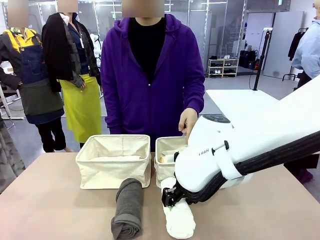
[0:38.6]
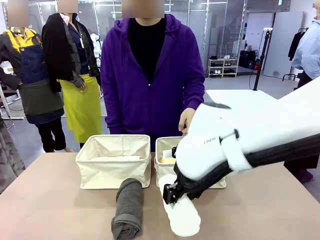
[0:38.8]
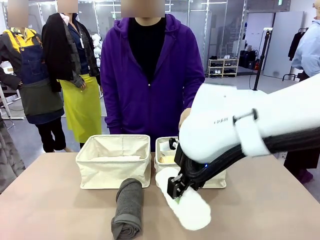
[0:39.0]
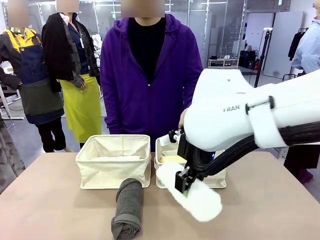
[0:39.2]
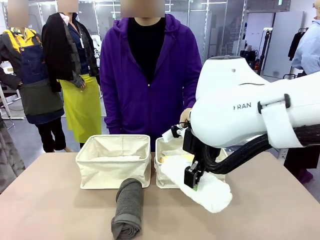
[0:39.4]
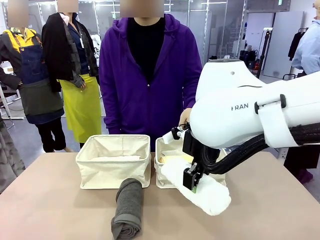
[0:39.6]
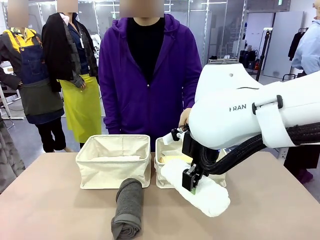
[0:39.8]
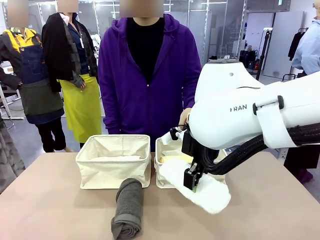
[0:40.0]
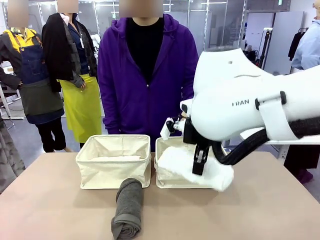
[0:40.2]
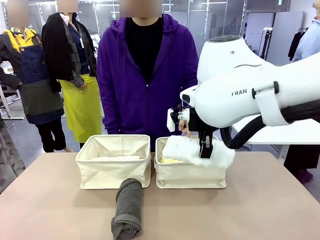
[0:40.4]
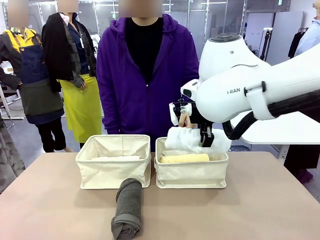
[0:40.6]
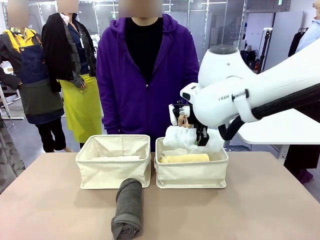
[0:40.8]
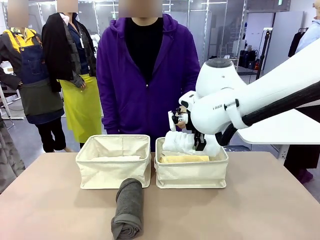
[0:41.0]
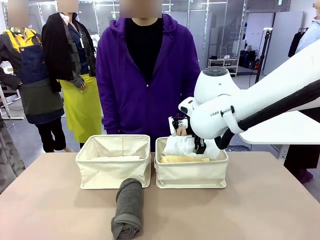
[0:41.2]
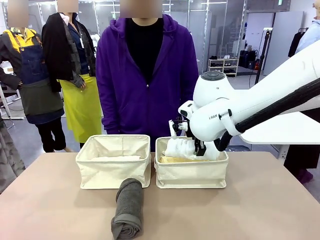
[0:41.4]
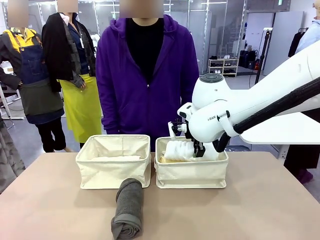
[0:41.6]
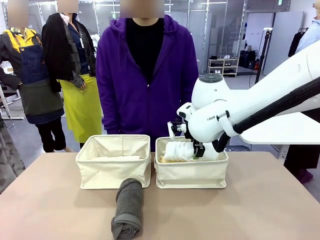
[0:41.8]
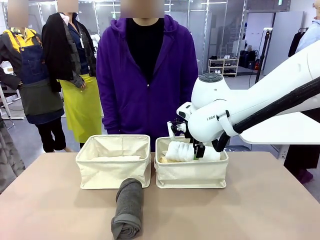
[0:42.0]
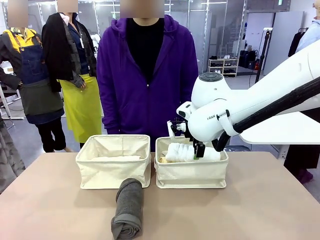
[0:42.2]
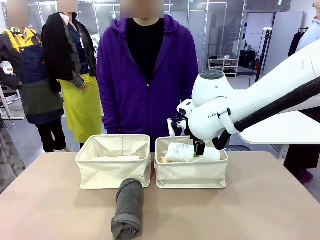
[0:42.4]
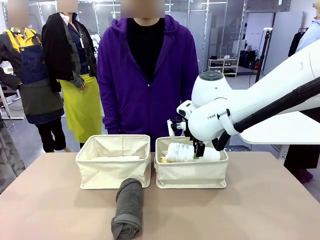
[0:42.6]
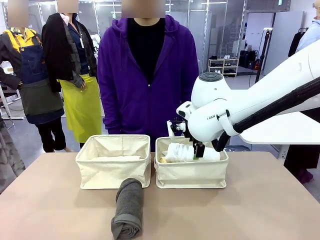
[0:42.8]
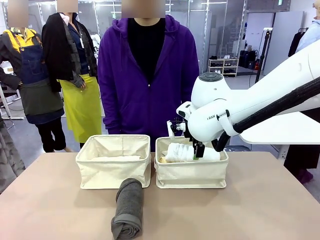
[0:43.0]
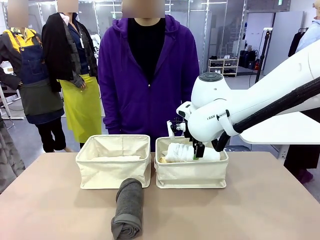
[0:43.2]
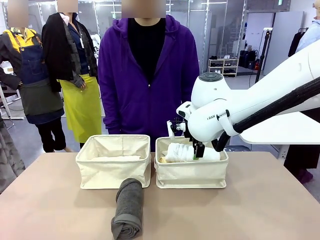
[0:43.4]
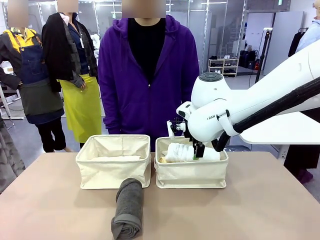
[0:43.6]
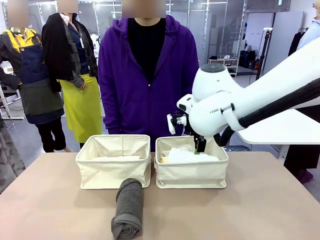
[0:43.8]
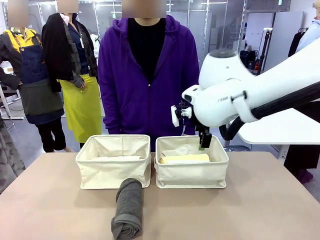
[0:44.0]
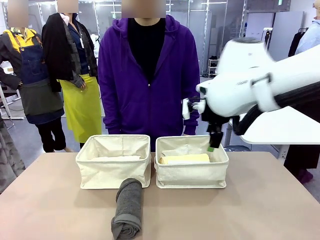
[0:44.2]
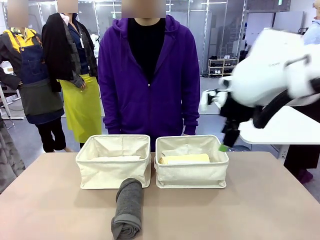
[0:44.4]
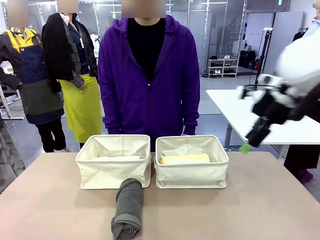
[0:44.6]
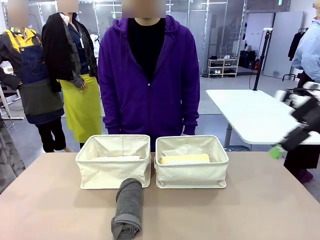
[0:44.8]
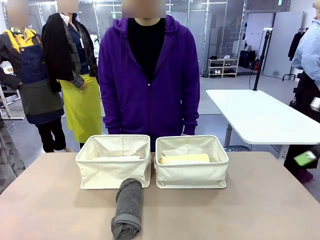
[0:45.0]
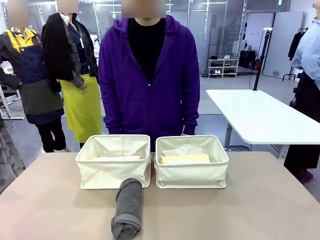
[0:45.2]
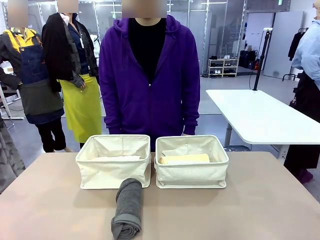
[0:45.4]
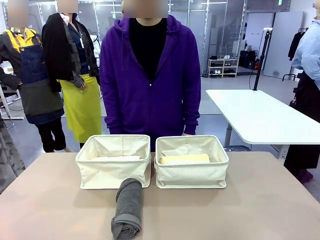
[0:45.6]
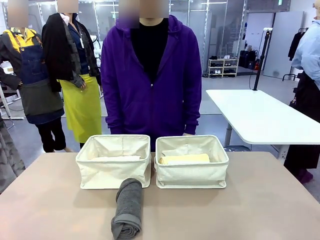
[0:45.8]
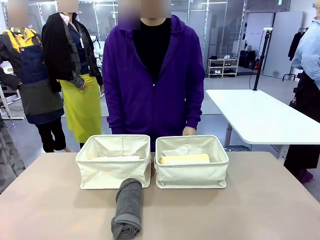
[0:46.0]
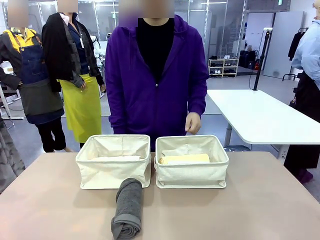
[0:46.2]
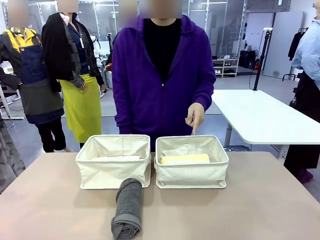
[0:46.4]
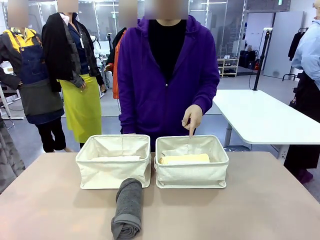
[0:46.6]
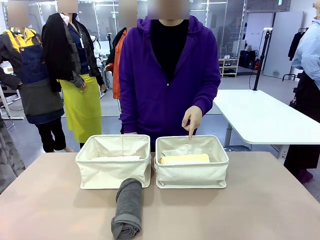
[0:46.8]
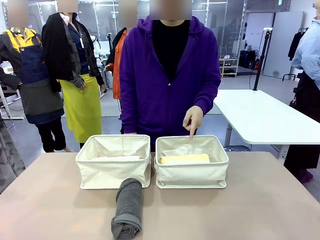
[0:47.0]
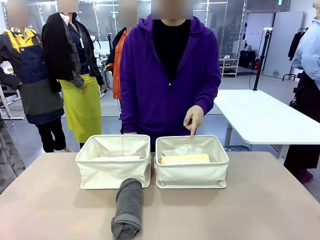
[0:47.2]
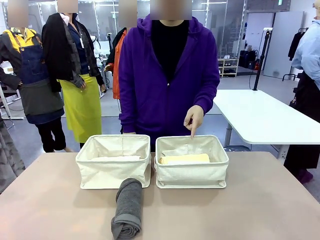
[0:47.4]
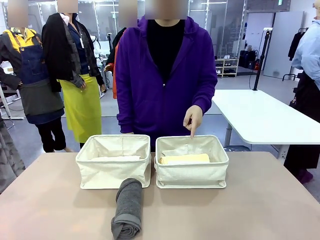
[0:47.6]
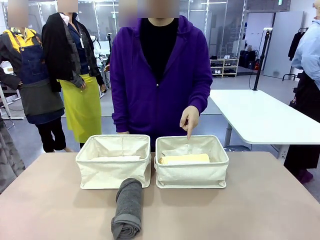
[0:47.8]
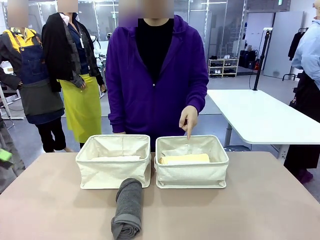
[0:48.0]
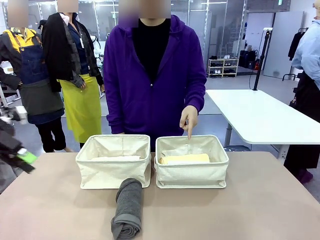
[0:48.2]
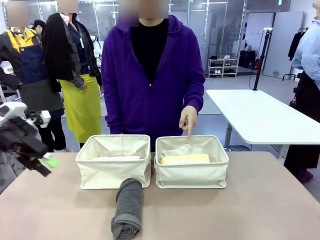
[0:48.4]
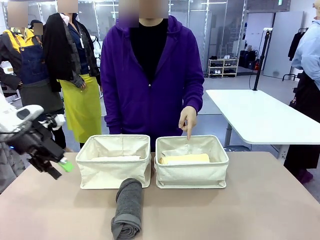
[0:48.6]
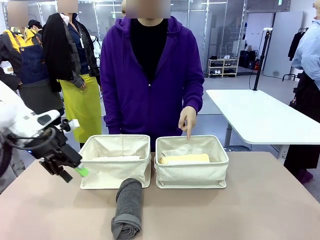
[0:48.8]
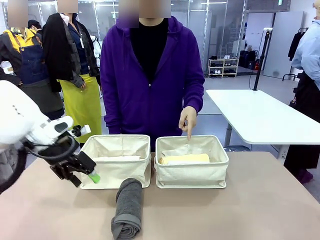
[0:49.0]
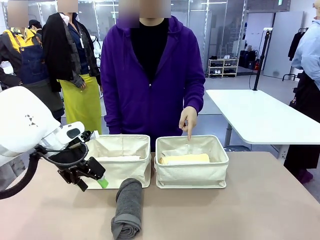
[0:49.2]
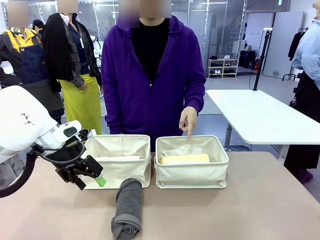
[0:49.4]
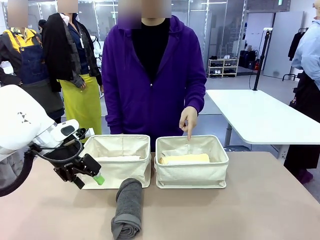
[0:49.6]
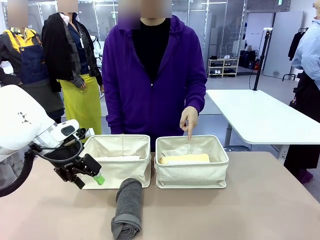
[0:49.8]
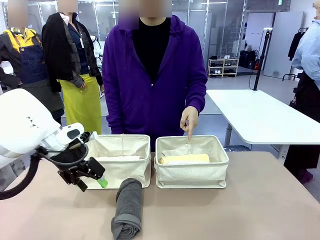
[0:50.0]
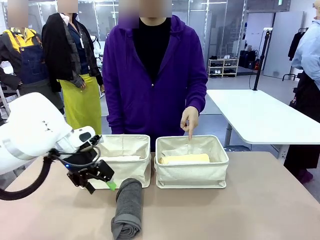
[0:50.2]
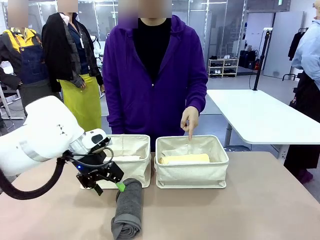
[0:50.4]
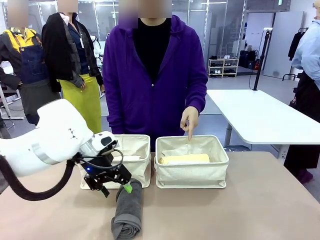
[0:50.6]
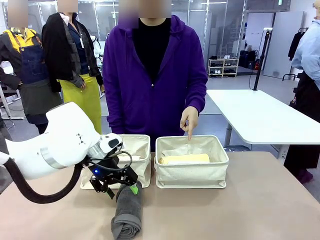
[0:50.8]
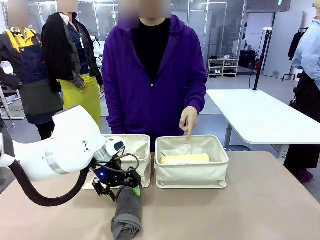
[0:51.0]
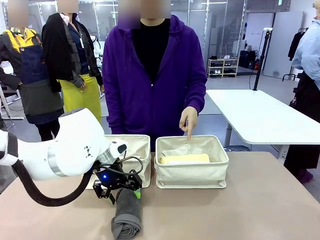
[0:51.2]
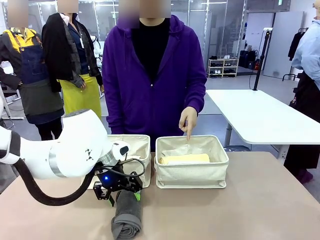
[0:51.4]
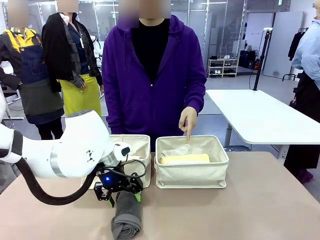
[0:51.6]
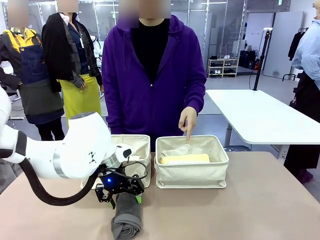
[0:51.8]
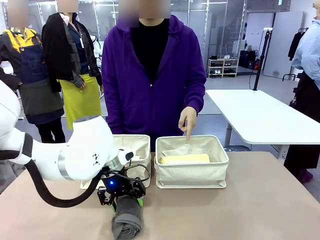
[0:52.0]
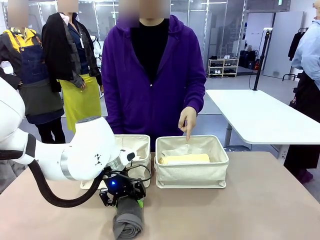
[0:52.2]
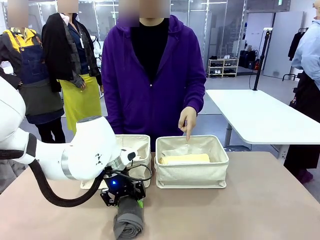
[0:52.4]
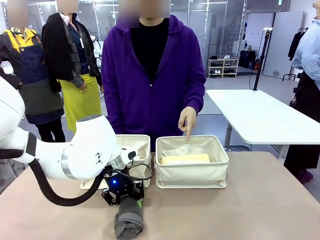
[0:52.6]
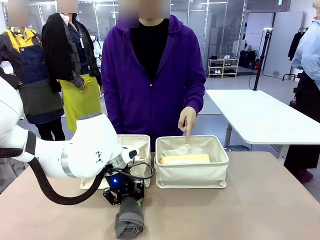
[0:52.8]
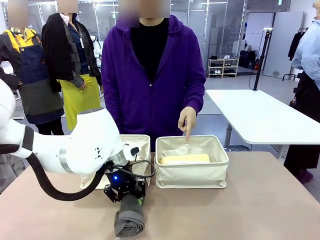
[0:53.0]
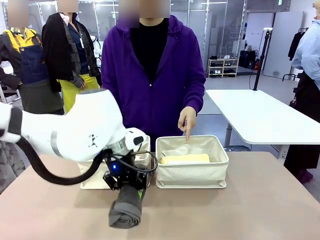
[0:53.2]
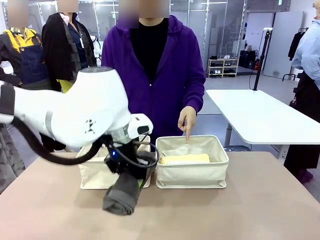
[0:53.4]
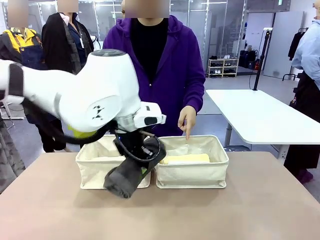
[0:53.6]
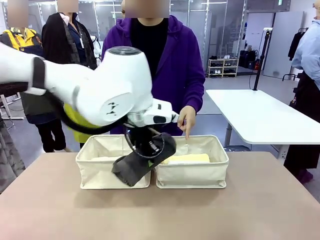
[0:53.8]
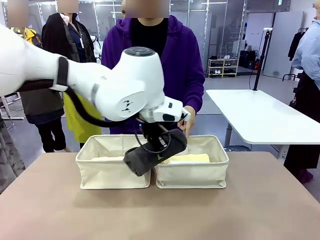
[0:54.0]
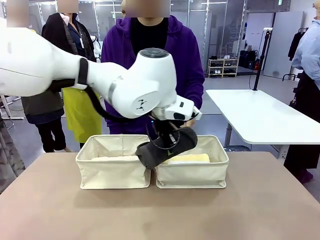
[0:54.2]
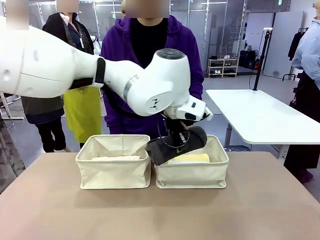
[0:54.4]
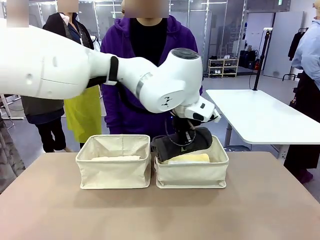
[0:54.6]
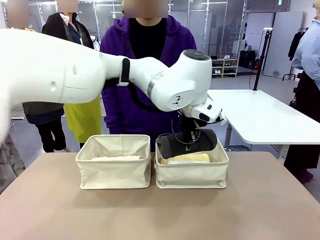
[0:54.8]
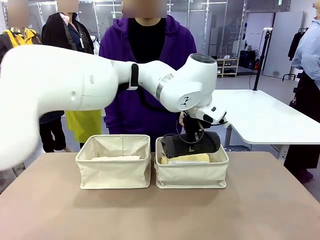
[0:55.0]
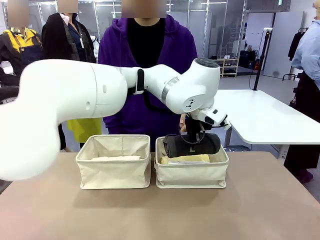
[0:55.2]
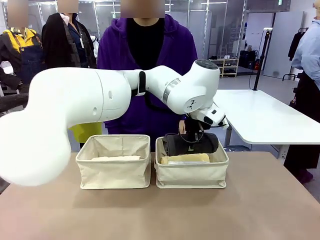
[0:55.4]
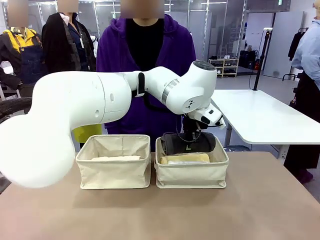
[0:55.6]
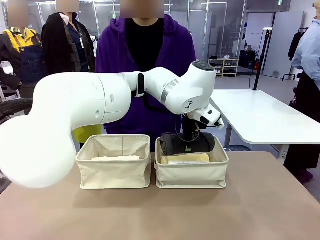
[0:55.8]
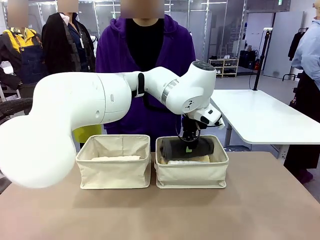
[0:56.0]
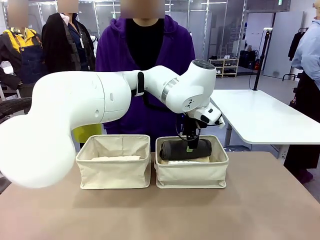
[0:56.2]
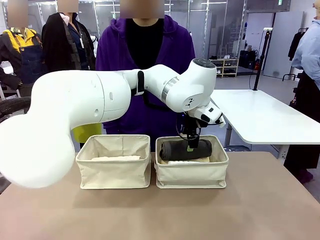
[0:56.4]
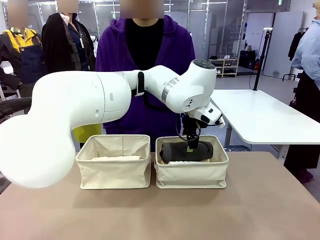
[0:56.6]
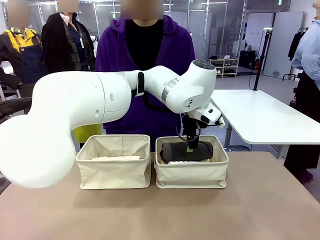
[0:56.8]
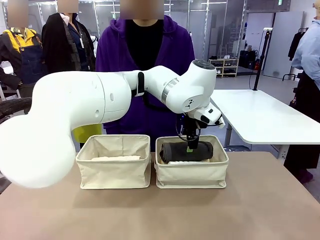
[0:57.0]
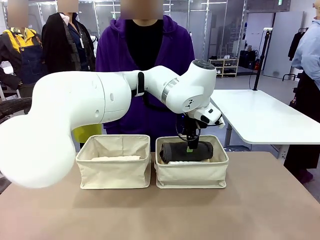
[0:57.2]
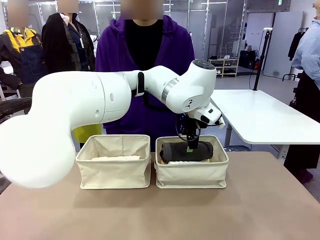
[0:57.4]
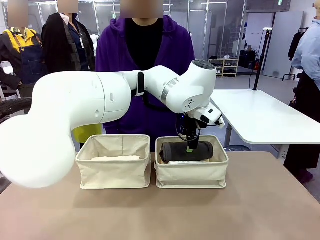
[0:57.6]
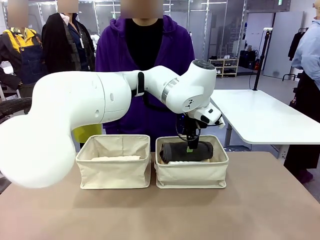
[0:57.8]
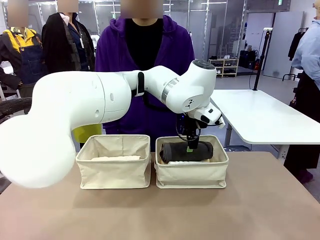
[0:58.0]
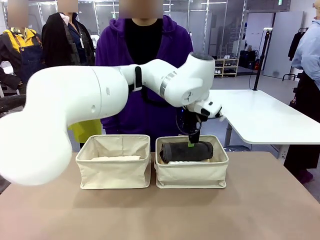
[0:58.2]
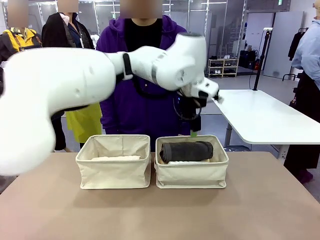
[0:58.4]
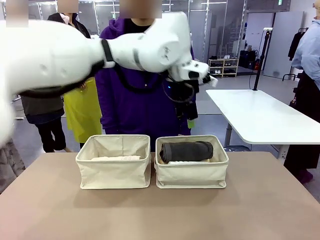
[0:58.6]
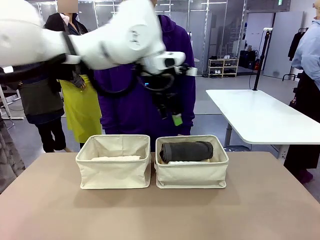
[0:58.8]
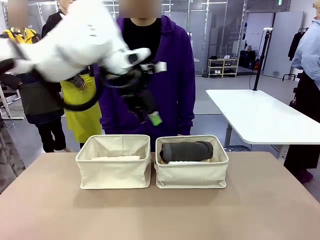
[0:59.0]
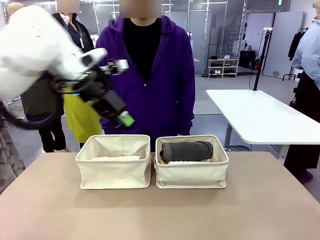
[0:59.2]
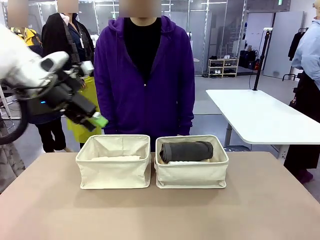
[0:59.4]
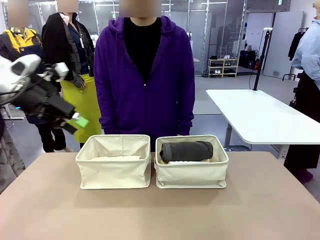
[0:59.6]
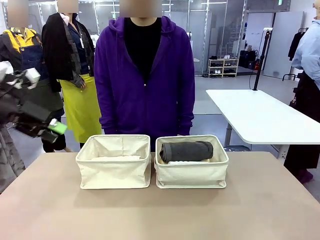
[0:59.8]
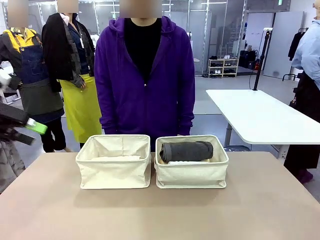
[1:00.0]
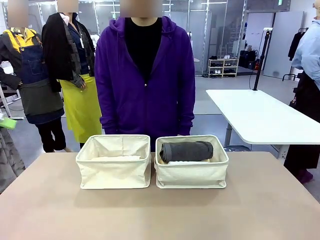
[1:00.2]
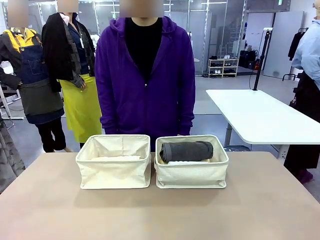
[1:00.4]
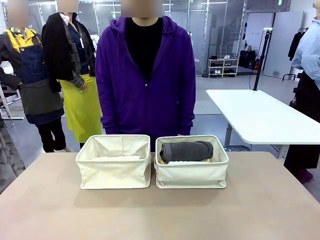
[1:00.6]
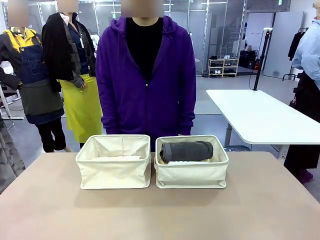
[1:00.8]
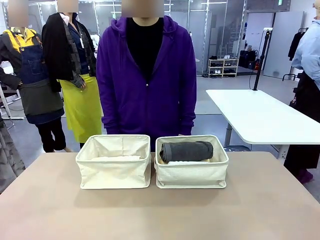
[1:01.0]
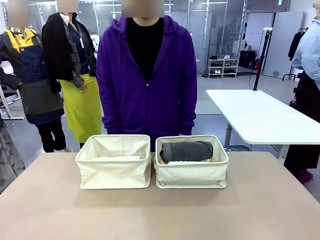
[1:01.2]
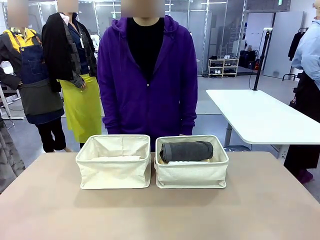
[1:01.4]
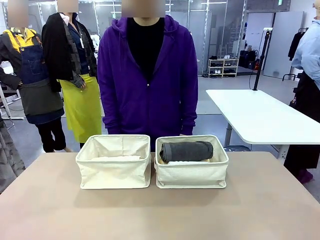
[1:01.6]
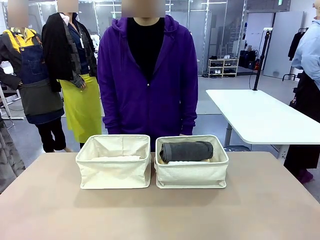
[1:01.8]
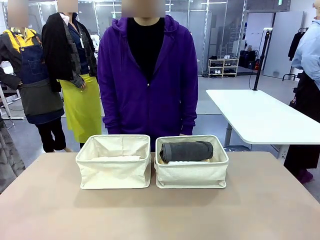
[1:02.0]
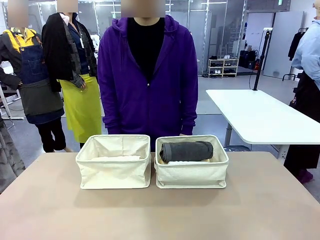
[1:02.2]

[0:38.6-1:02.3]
Task: Divide the towels into two baskets.
Robot: Pick up one hotel-folded towel from the bottom of the table and place it in the Fabric basket indicated by the person.
